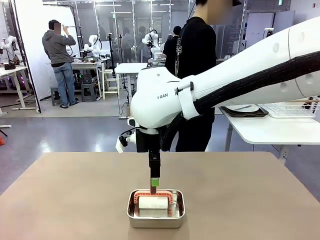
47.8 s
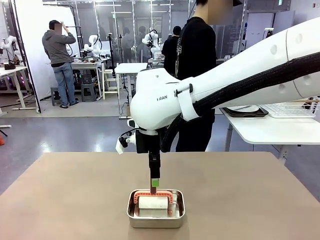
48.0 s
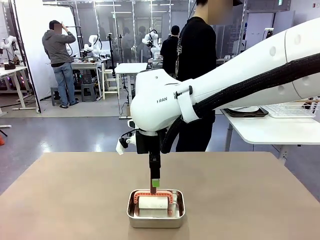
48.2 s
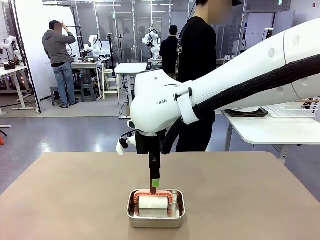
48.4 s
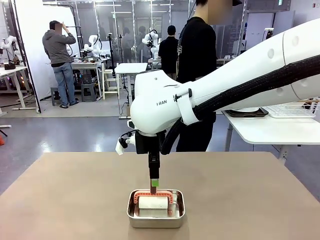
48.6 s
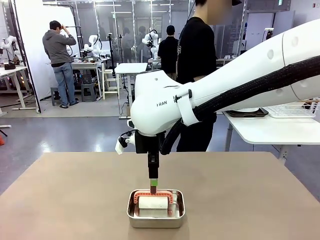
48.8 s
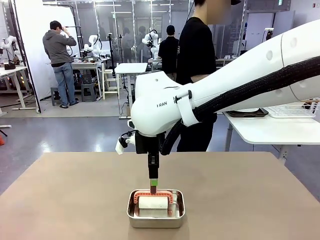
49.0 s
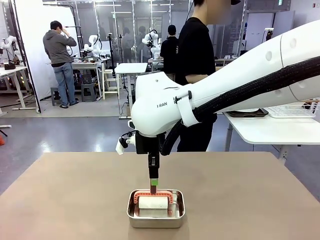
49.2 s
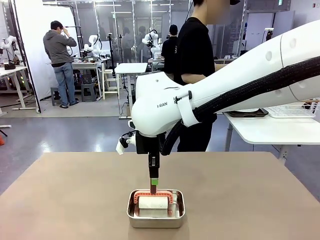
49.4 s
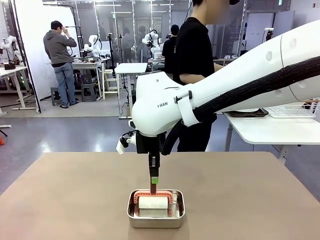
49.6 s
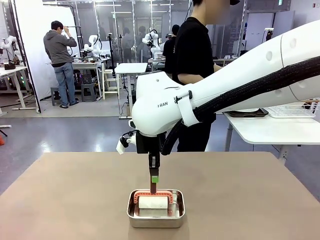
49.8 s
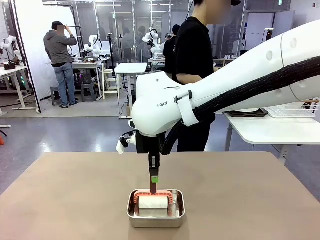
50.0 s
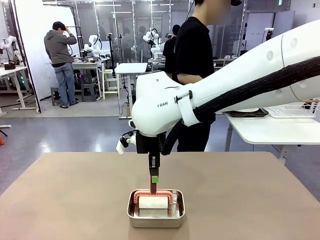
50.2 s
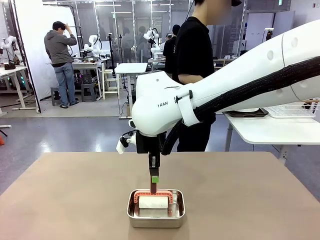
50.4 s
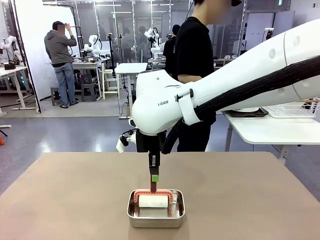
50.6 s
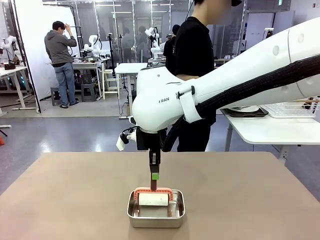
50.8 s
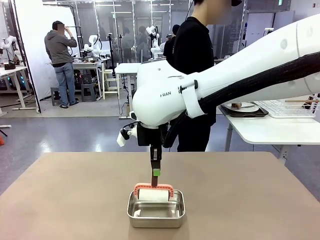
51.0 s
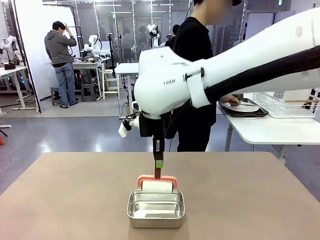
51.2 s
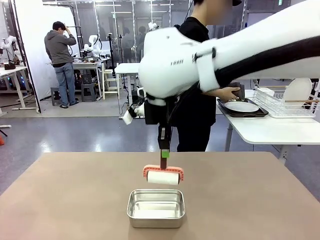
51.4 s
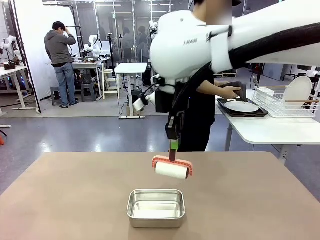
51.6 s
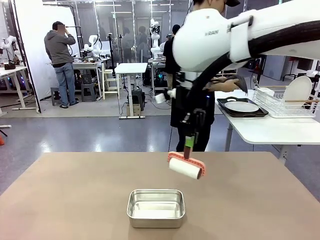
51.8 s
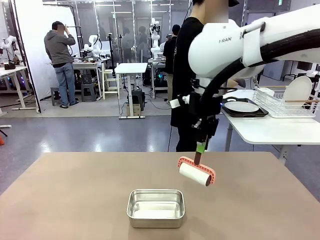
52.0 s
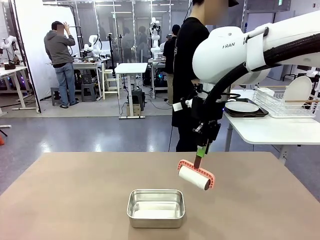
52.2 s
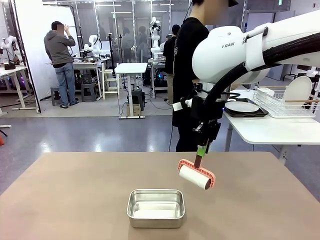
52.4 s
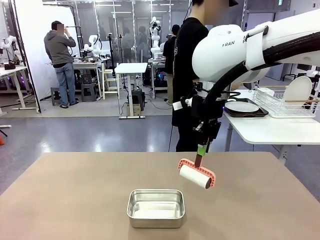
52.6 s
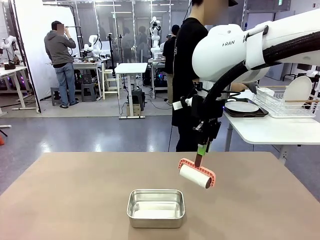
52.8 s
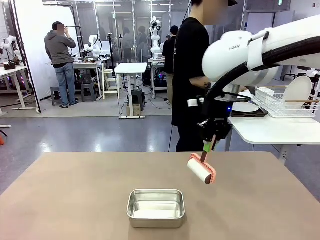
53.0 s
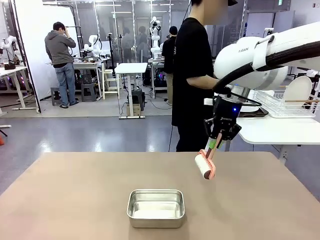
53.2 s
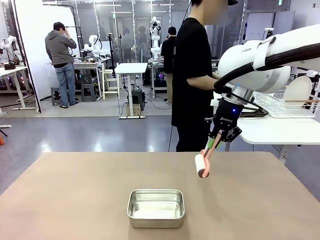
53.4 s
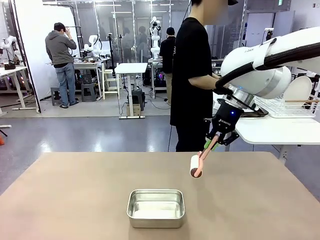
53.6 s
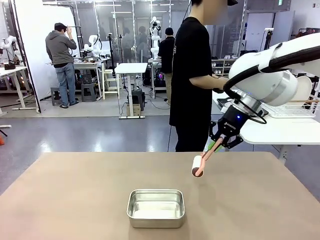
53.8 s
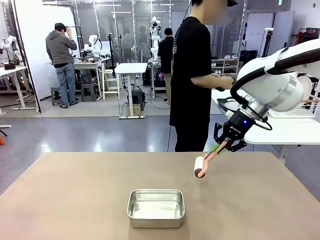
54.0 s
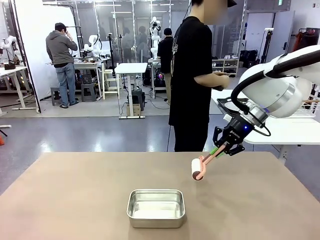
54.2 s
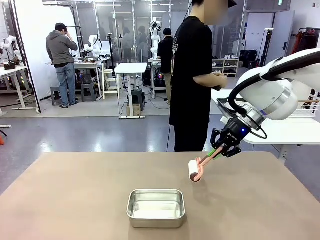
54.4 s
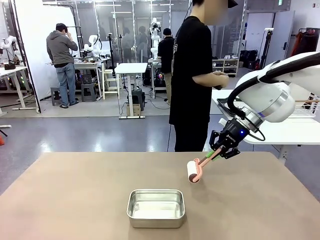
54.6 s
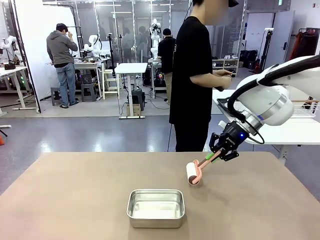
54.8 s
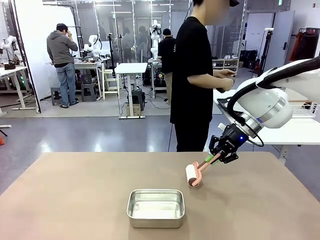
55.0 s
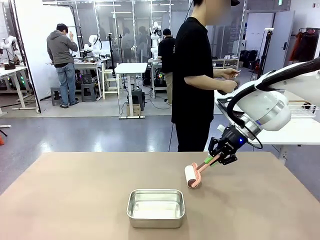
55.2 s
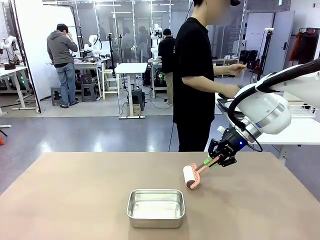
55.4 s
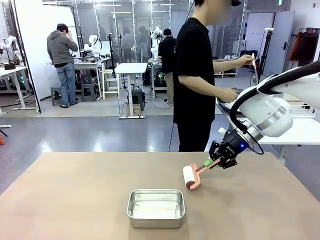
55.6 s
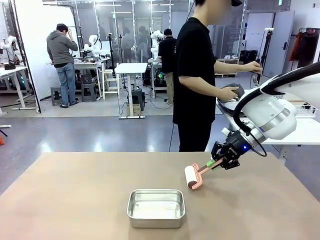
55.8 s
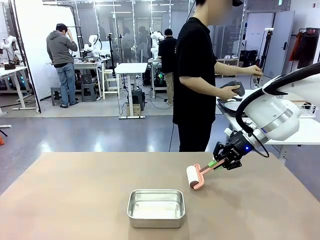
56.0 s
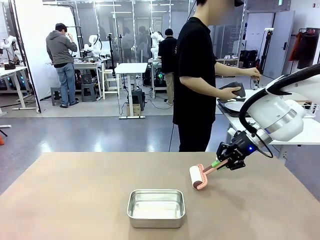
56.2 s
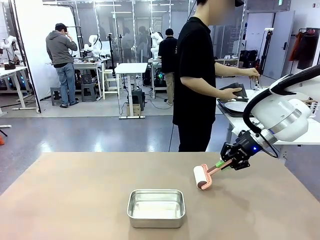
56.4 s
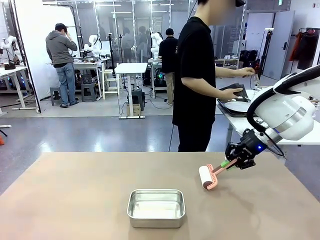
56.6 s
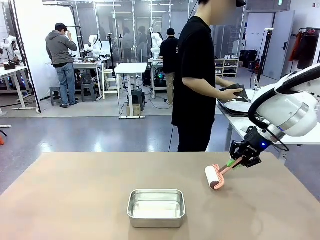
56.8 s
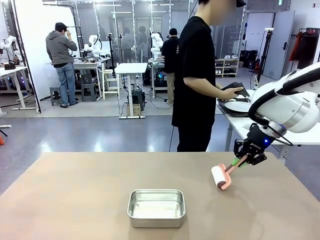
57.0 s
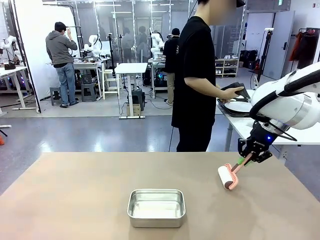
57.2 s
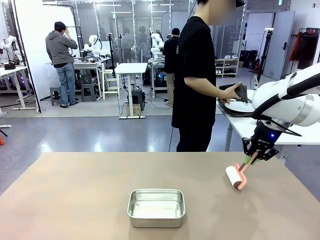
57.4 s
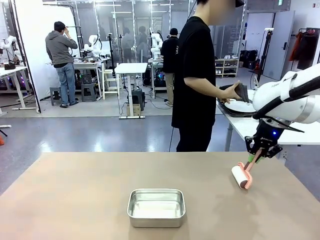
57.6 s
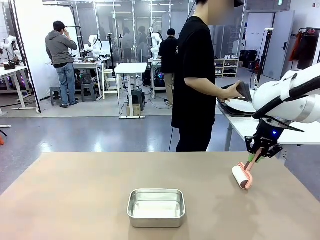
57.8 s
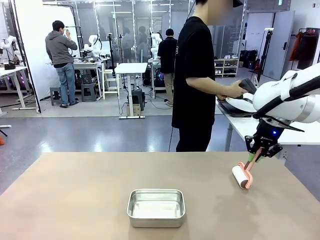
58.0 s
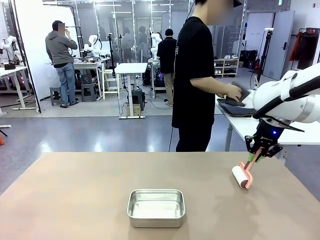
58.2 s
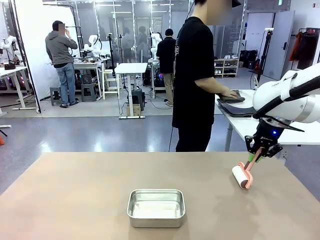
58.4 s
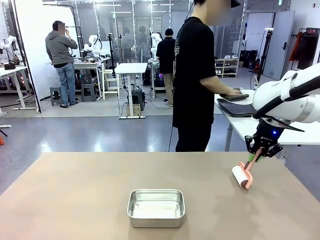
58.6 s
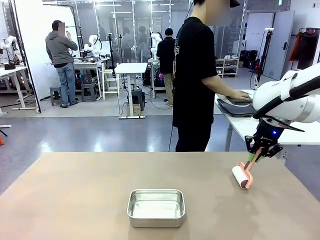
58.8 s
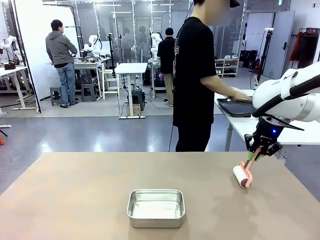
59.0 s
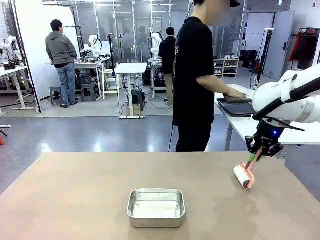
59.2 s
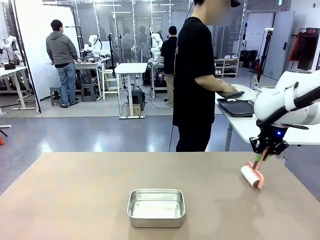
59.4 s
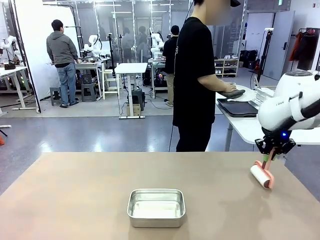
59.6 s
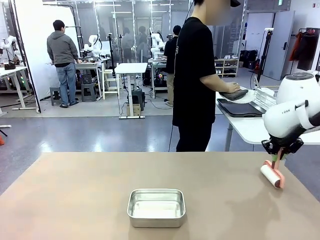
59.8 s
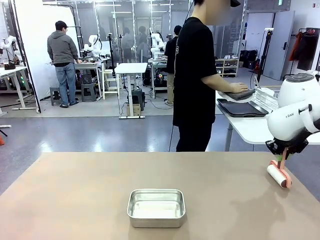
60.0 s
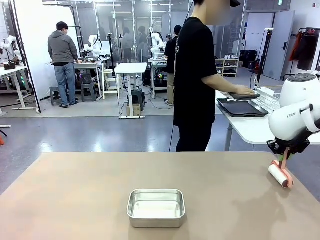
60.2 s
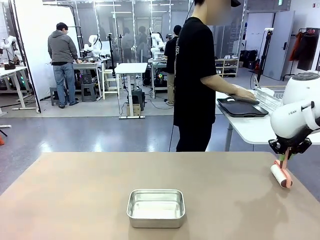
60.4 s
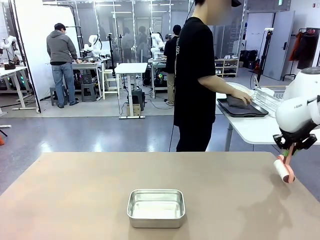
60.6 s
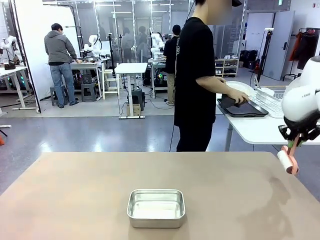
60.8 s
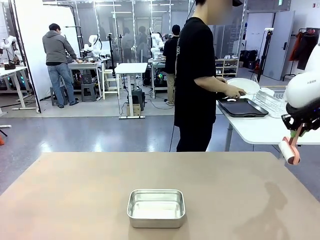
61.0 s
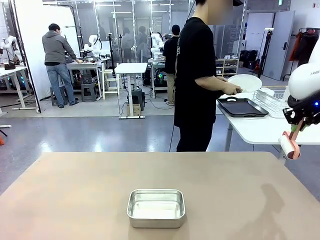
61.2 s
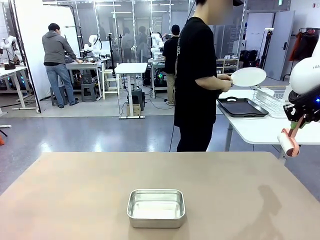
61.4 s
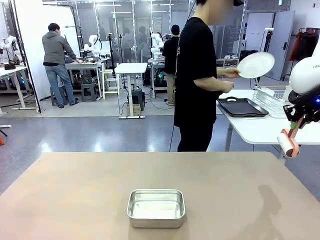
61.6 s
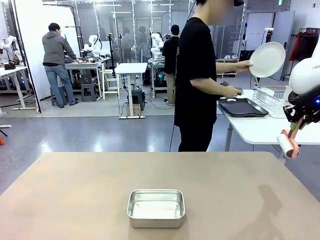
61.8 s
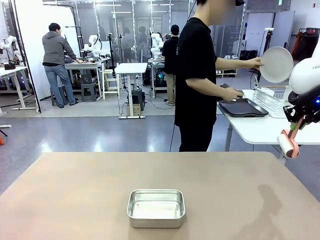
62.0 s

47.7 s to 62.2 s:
Robot: When the right (or left) Handle tray is removed, use the right hand (or left hand) to clean the right (or left) side of the table with the Lint Roller.

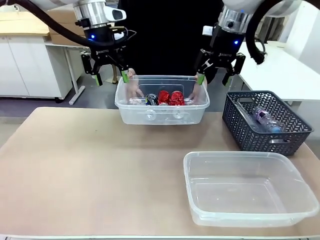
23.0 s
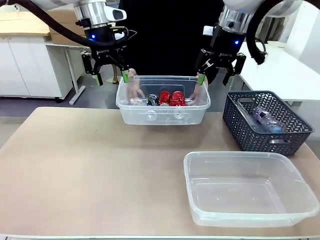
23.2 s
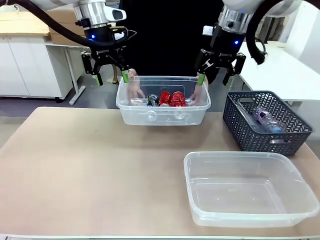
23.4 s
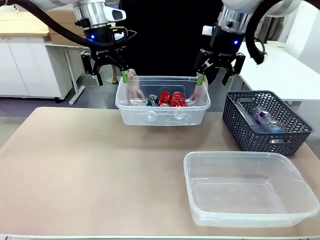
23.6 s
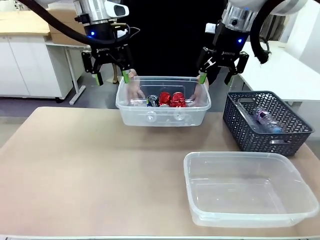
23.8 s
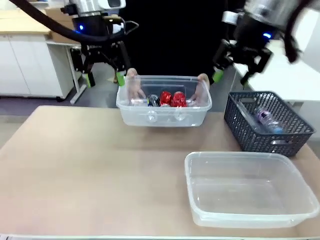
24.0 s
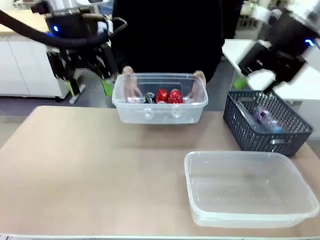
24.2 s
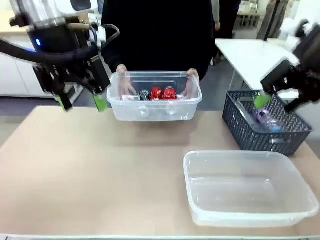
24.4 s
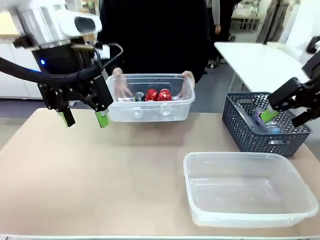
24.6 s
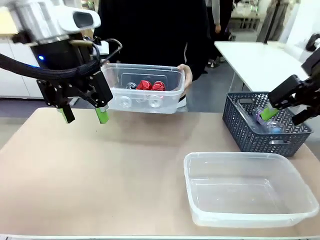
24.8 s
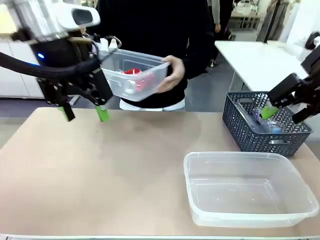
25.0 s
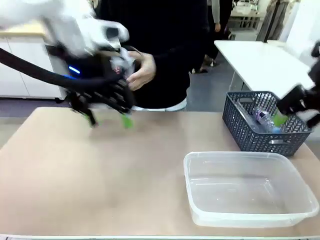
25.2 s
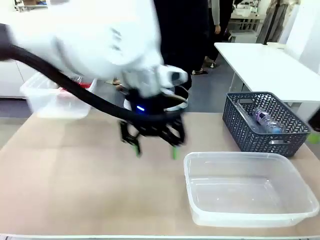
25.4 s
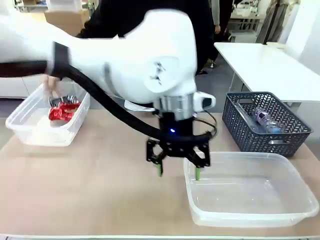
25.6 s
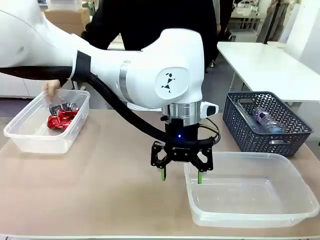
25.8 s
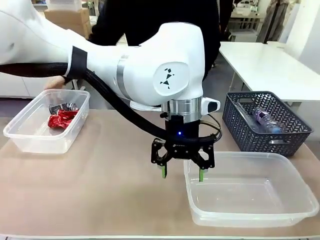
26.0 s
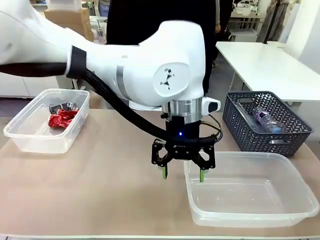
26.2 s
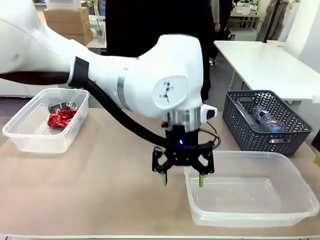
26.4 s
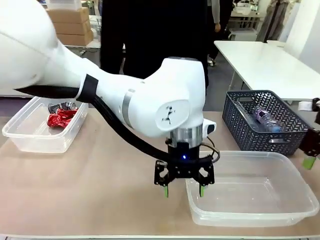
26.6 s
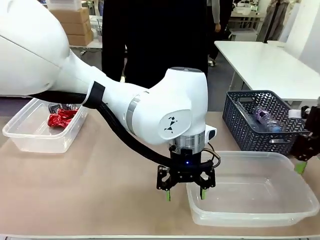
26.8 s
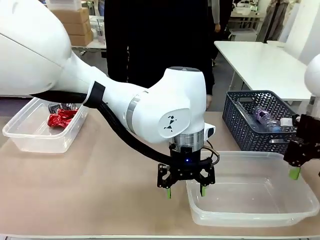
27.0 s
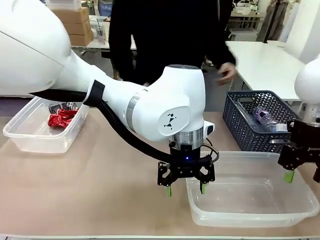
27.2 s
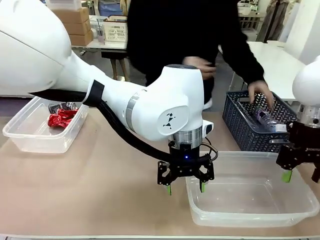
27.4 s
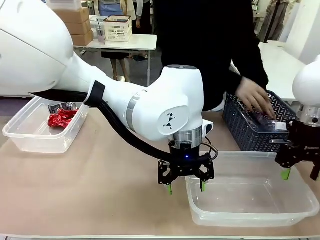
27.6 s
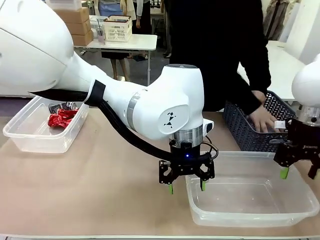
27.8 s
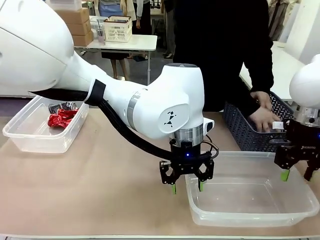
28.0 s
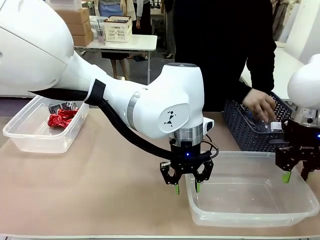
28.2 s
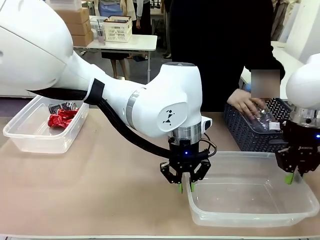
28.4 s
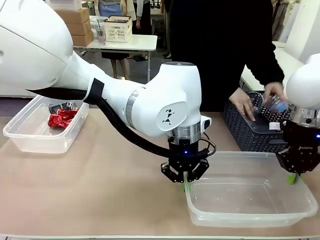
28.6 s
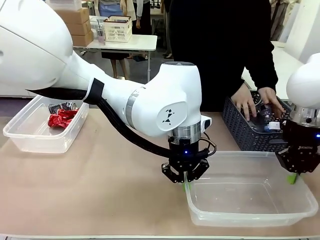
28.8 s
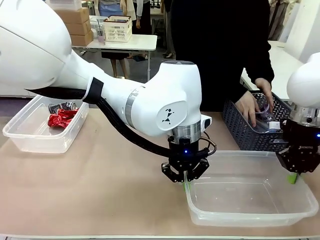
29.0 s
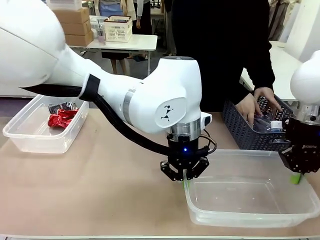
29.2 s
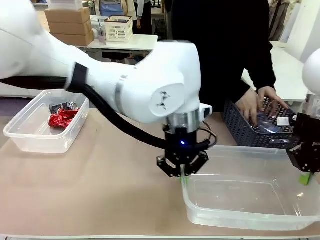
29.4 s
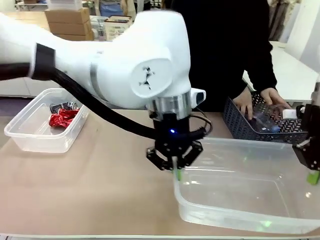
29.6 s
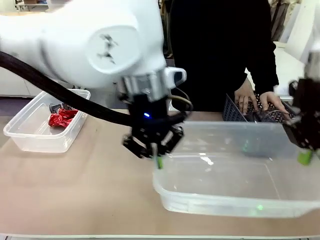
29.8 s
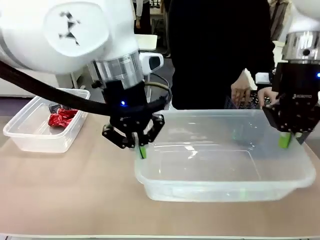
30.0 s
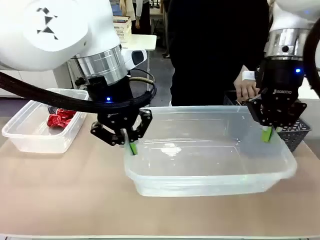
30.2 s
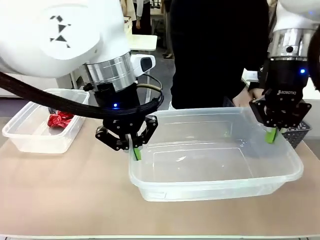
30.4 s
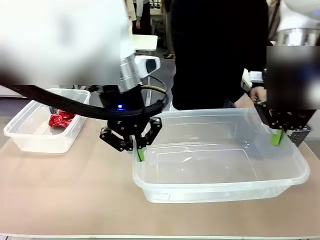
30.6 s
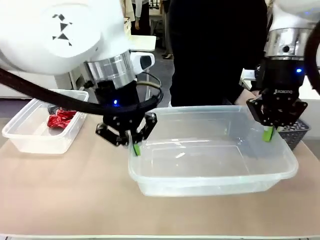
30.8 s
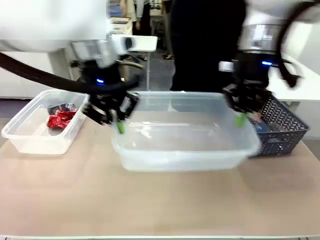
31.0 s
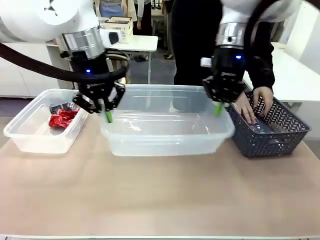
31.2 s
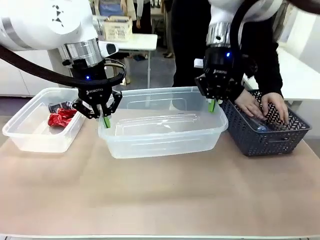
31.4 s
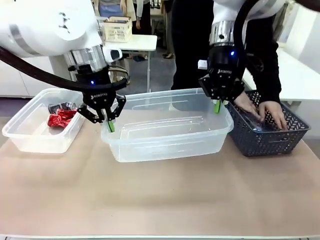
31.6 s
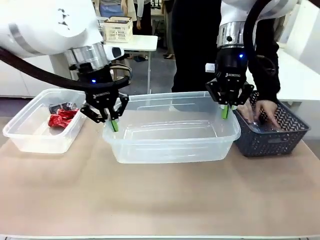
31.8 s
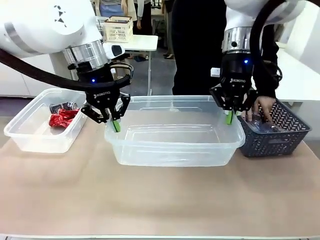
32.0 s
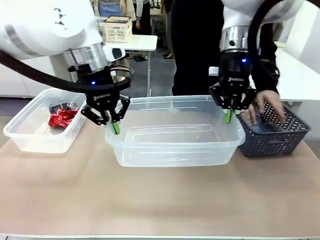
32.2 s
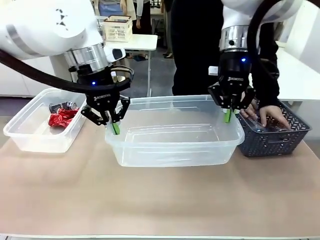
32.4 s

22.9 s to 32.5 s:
Robot: Pick up the Organizing box on the right side of the table and lift it.
Person: Place it at the edge of the bottom right area of the robot table. Pick up plastic waste one by one and place it into the organizing box lifted by the robot.
